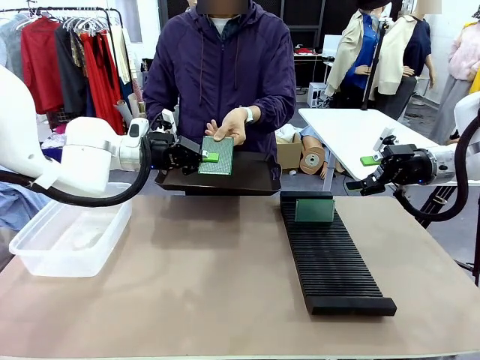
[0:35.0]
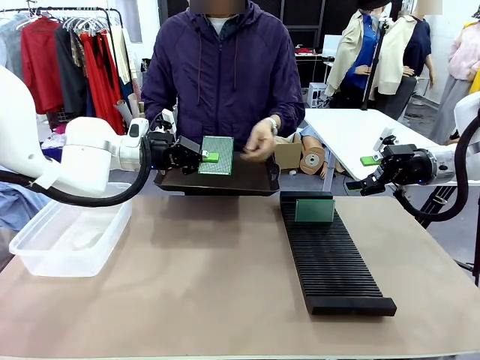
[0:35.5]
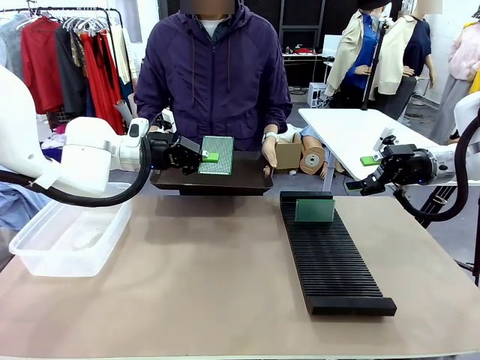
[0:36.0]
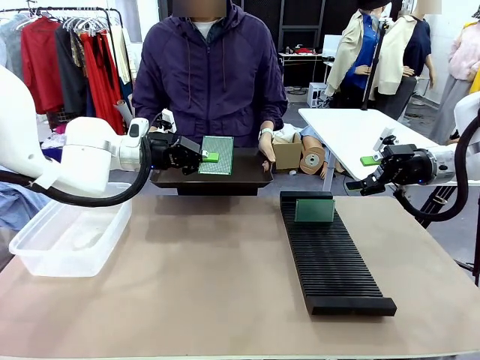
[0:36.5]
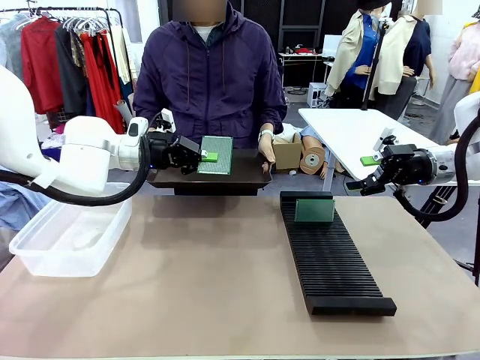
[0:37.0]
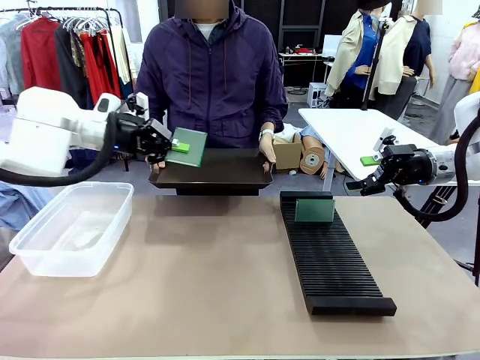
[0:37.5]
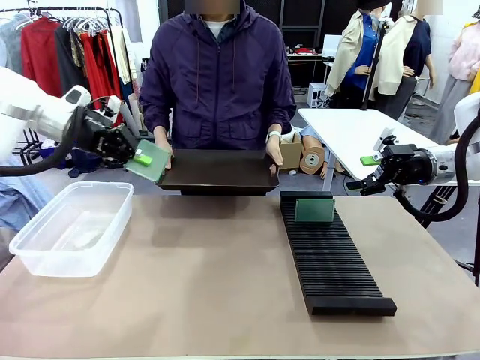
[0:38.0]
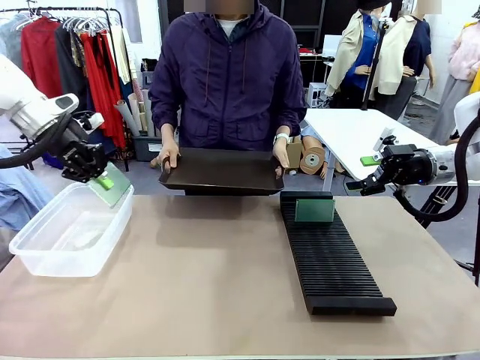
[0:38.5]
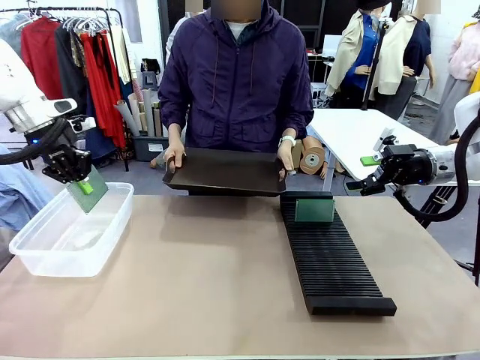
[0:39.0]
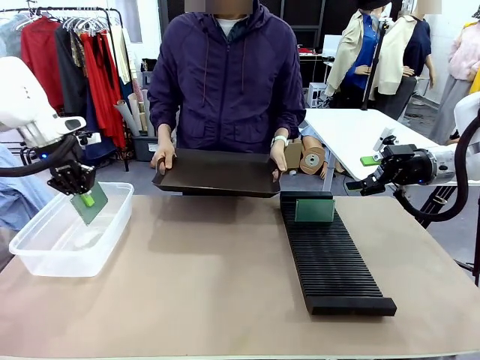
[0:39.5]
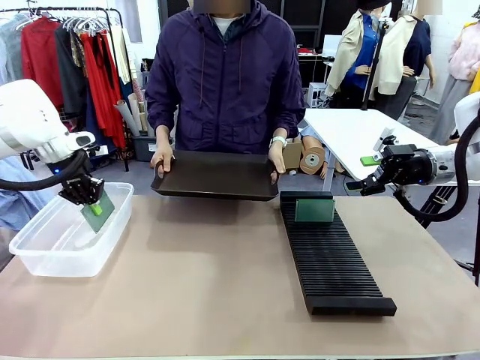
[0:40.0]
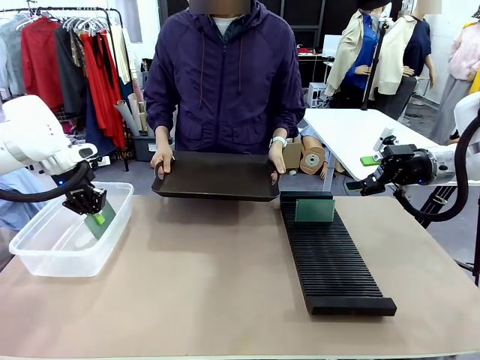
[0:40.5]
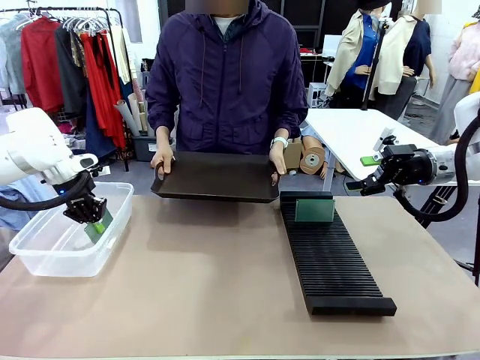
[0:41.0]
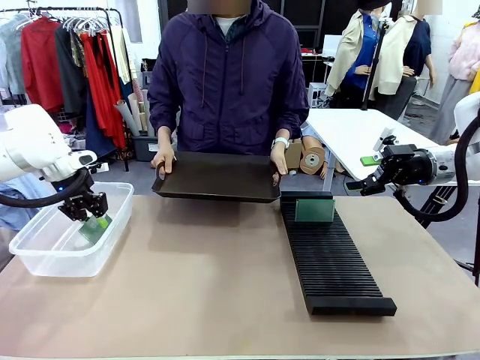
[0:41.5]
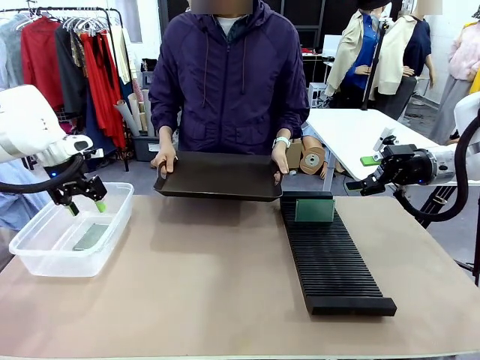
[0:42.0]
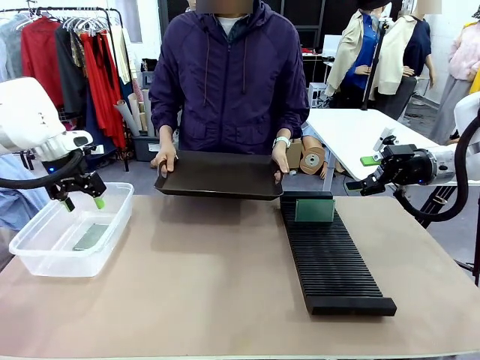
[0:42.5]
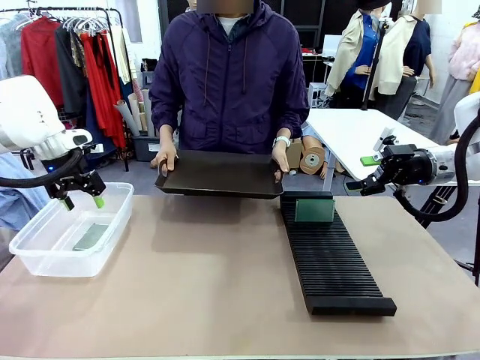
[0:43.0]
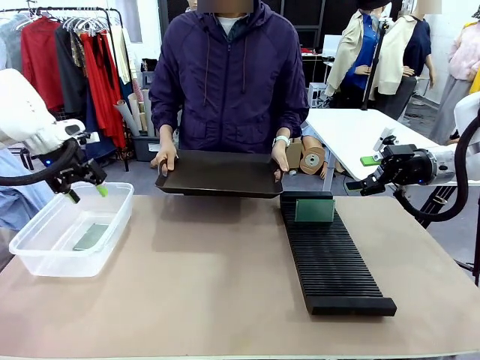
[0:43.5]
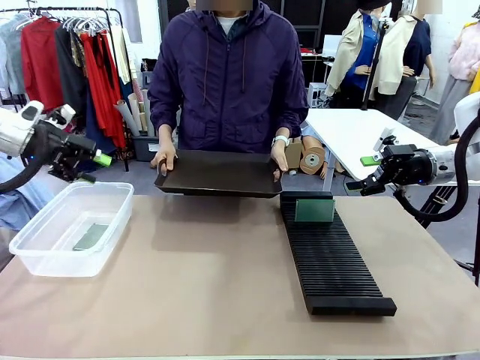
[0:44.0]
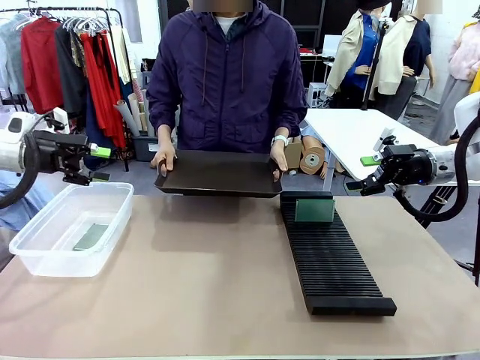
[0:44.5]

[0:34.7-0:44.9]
Task: Sort PCBs into racks and boxes based on the side picked up.
Robot: If the short side of the Blank PCB is picked up, insert it into the PCB Rack ; if the long side is picked up, place it in the Organizing box.
Person: Release the PCB being held.

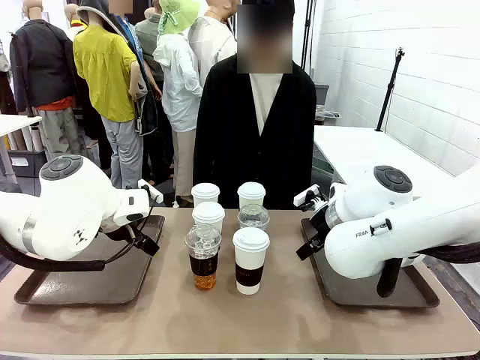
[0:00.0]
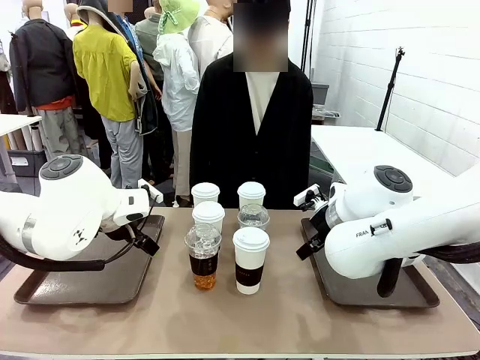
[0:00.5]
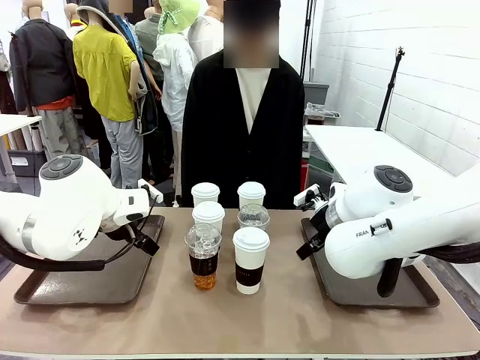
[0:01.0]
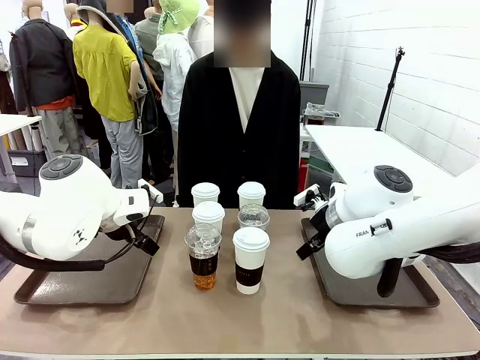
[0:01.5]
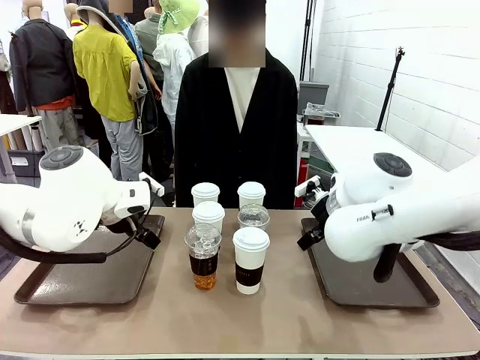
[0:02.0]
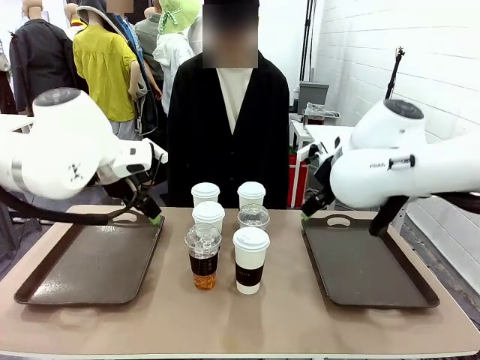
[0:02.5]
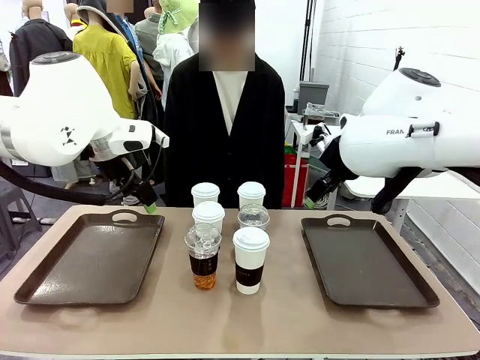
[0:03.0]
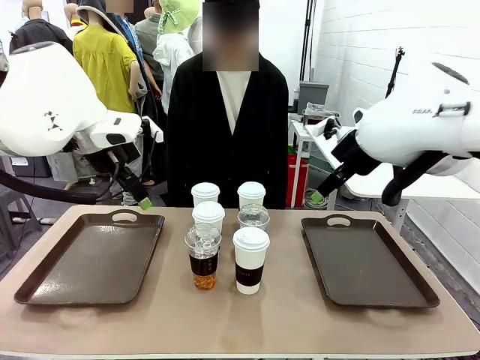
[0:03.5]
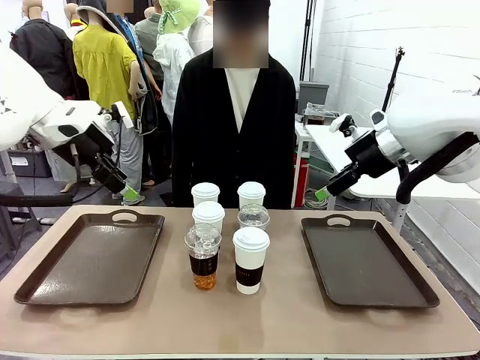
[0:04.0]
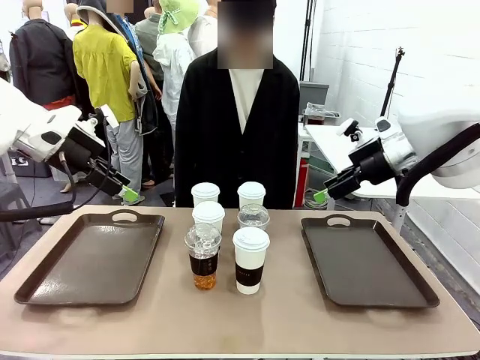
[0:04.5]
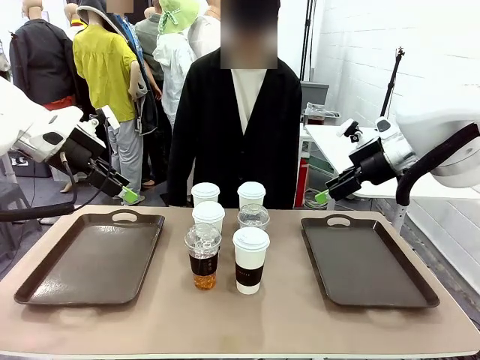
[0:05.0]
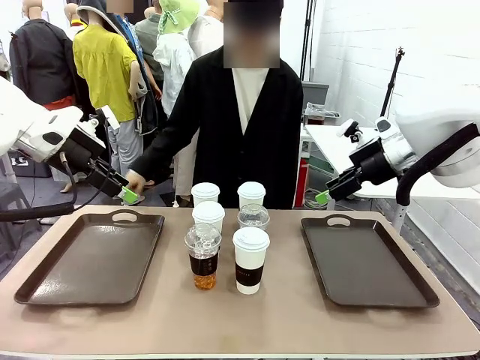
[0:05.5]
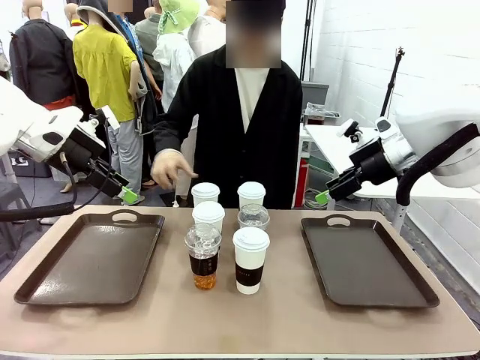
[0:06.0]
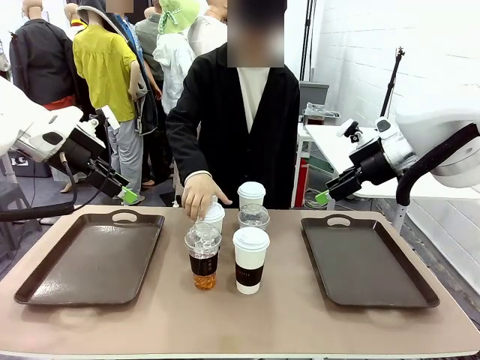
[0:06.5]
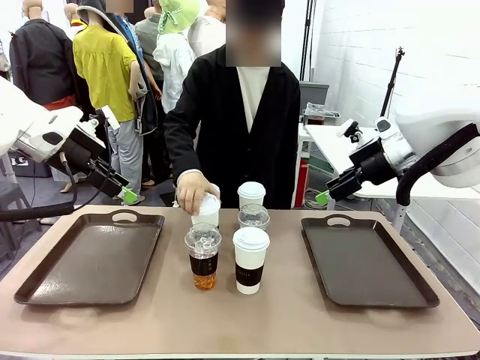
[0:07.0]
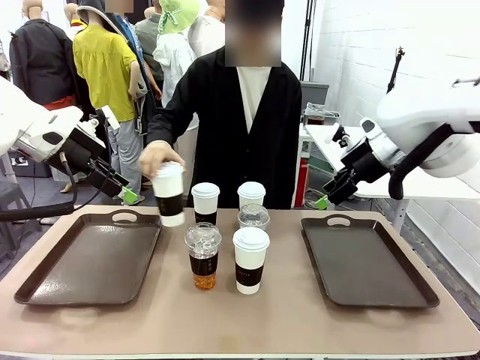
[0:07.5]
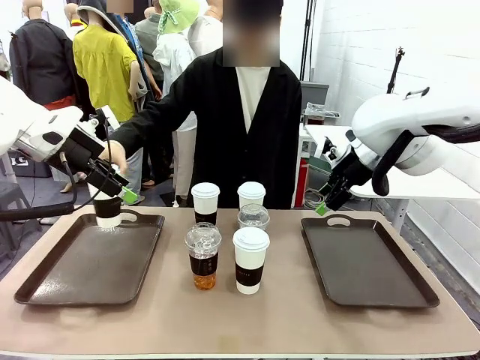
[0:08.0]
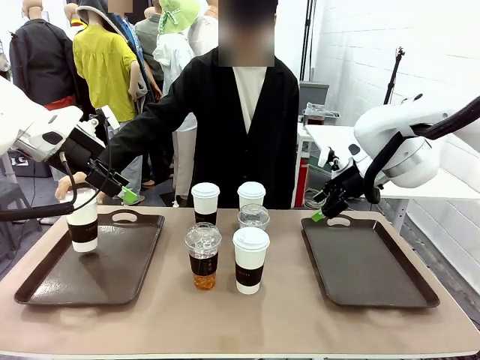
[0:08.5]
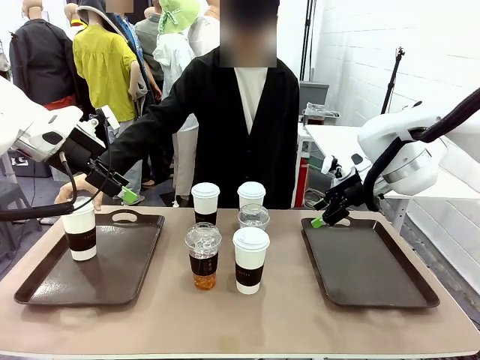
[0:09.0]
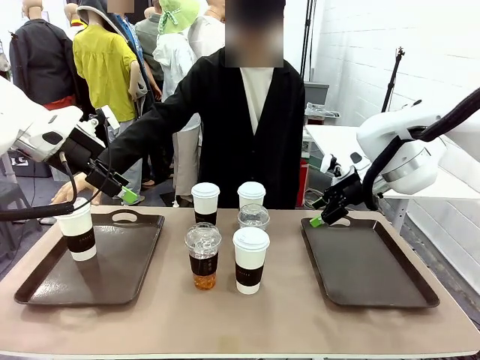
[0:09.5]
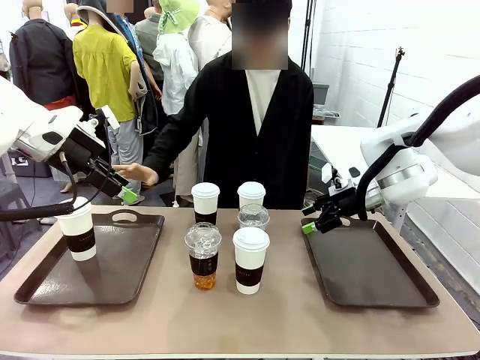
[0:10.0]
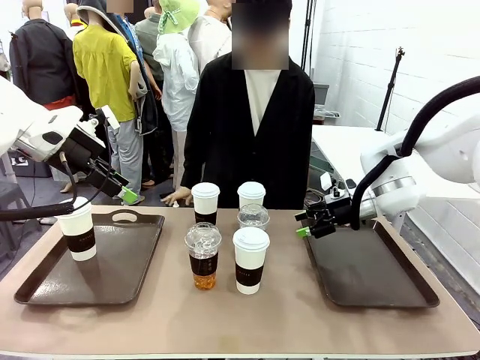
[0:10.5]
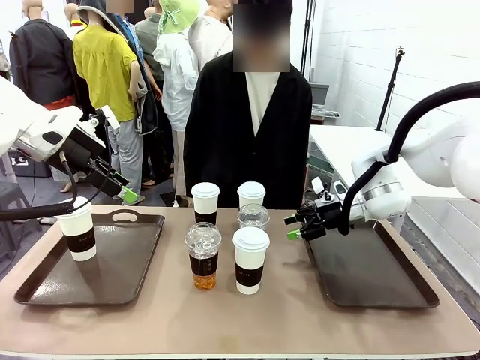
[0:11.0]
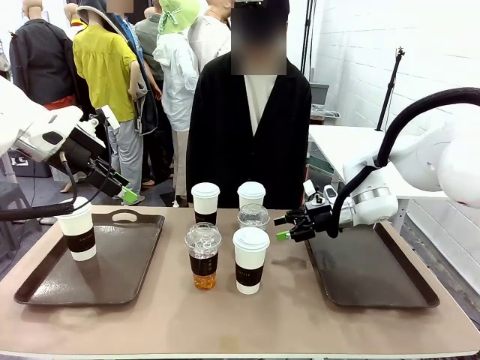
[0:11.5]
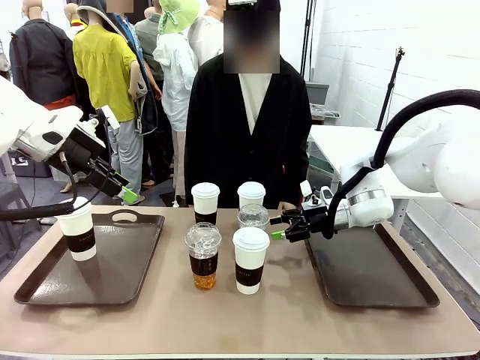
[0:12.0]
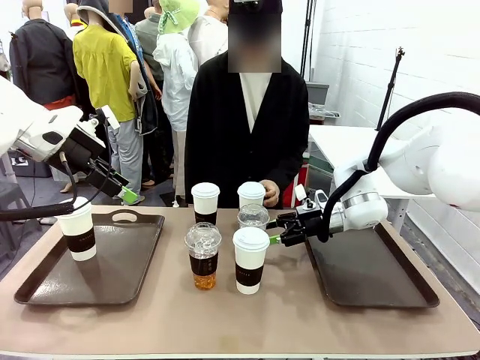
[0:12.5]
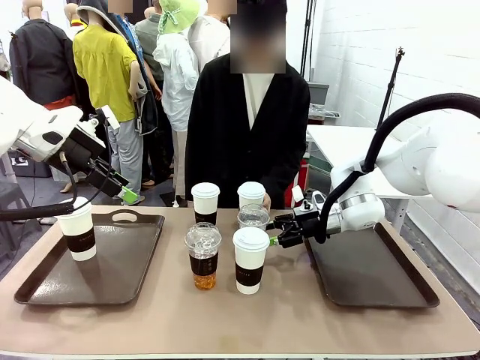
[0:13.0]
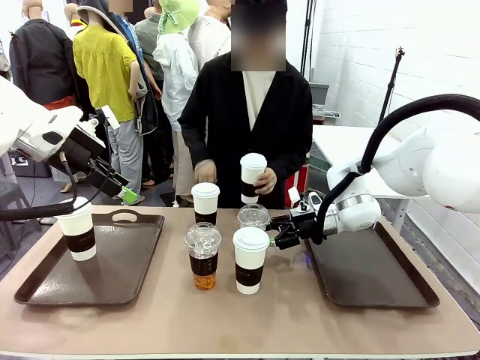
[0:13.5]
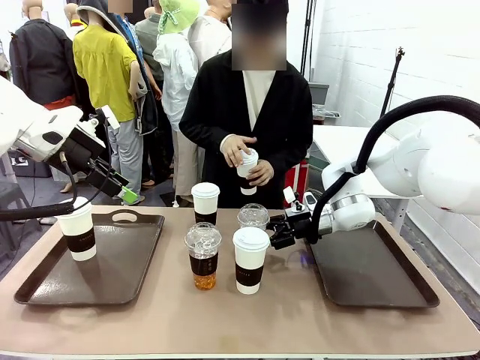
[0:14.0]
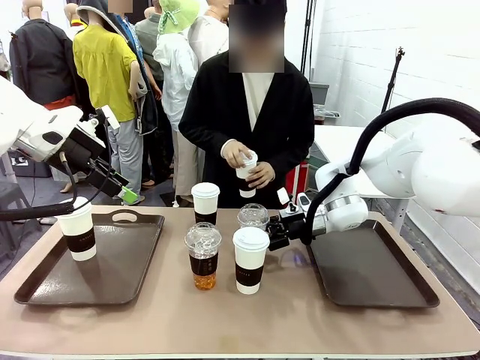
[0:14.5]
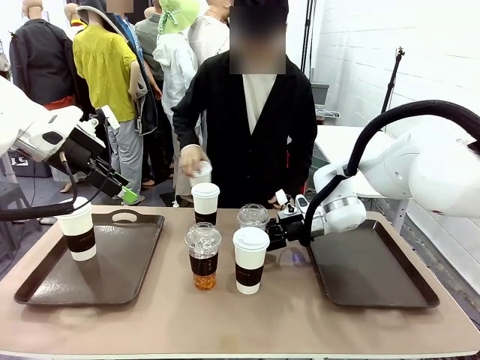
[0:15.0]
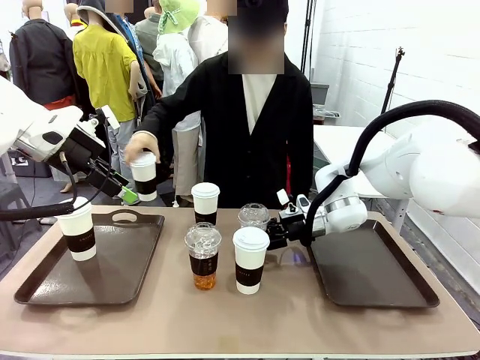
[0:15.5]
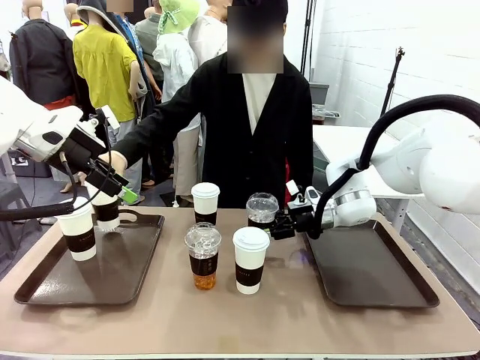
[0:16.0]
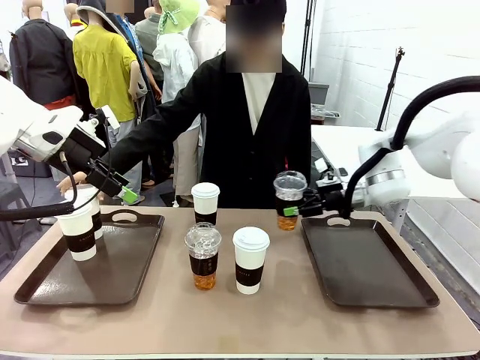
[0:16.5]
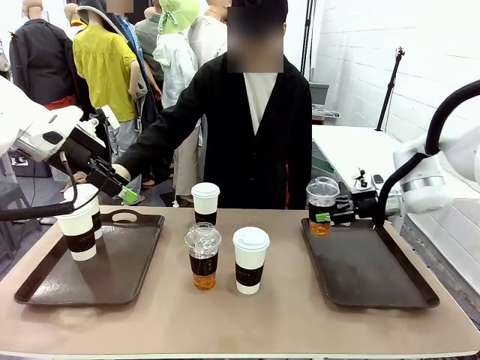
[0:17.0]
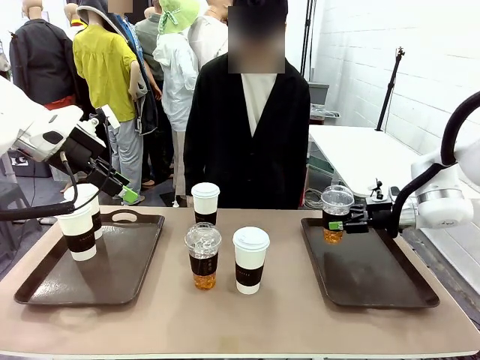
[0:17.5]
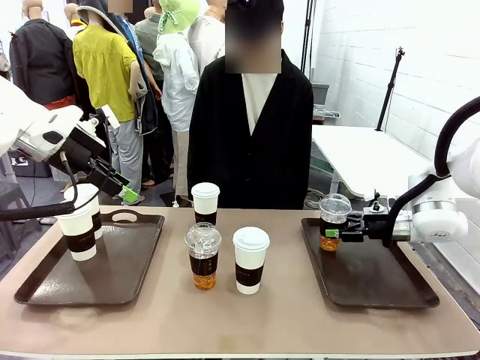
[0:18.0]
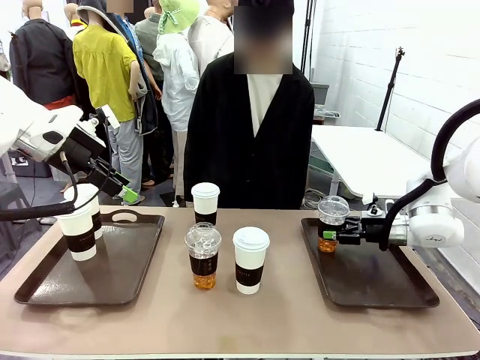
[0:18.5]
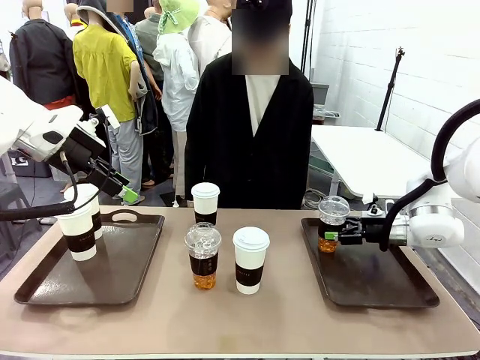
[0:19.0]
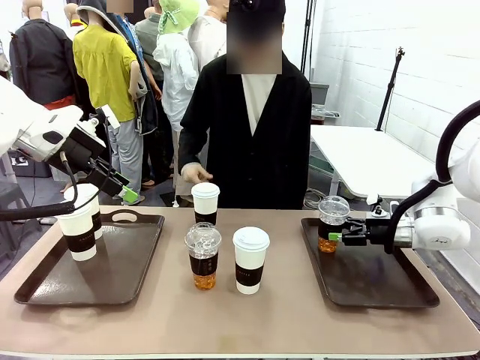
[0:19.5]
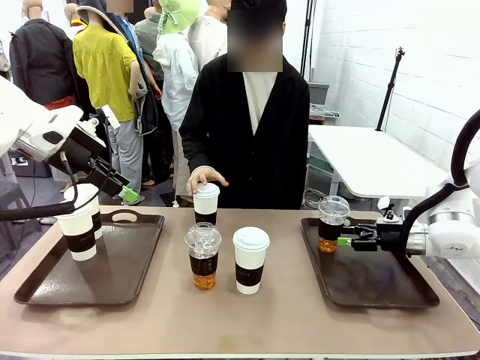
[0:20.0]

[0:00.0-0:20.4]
Task: Distribute the coffee onto the tray.
Robot: Pick up one iced Americano and place it on the right Handle tray.
Person: Pick up a cup of hot Americano and place it on the right tray.
